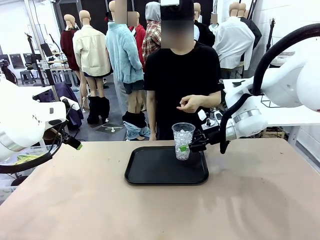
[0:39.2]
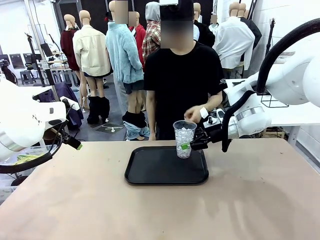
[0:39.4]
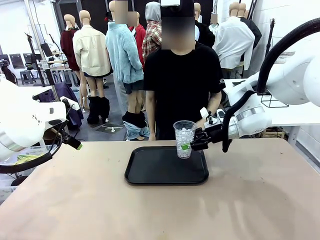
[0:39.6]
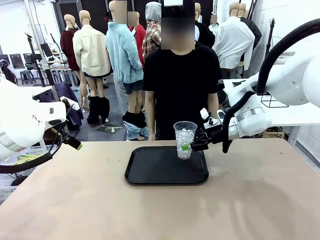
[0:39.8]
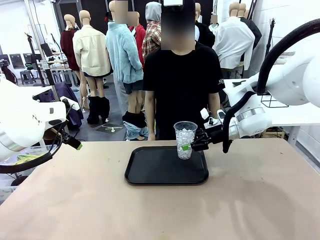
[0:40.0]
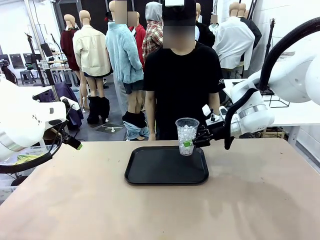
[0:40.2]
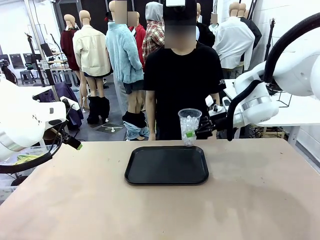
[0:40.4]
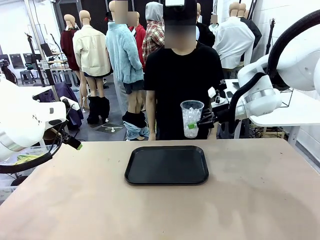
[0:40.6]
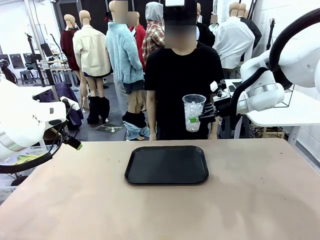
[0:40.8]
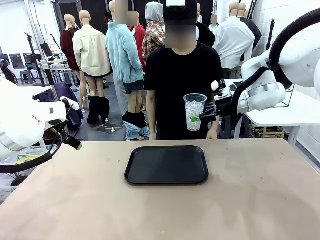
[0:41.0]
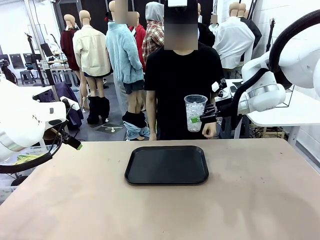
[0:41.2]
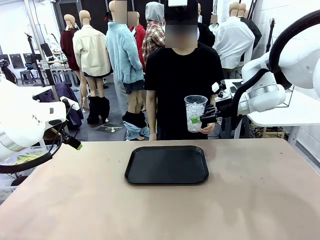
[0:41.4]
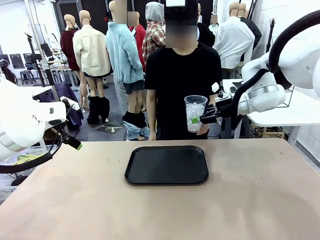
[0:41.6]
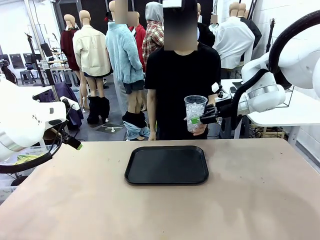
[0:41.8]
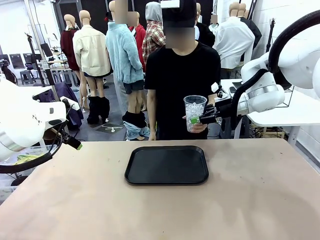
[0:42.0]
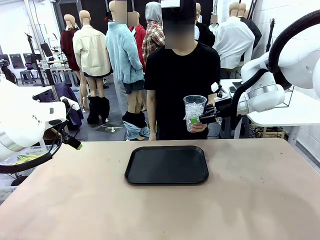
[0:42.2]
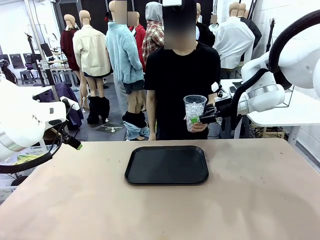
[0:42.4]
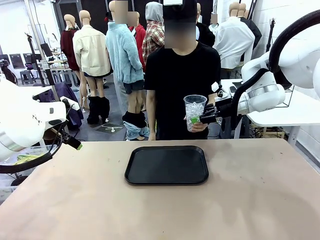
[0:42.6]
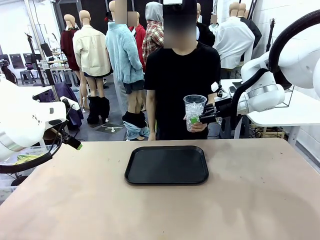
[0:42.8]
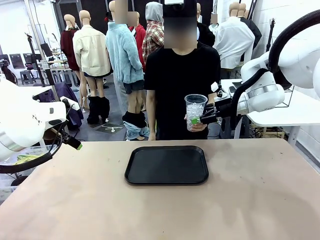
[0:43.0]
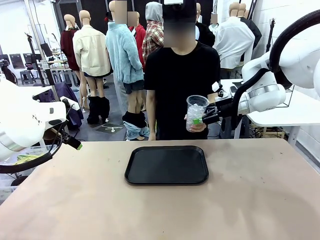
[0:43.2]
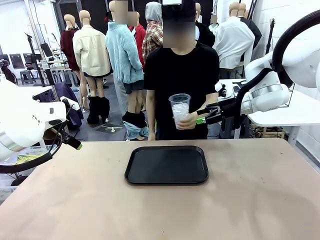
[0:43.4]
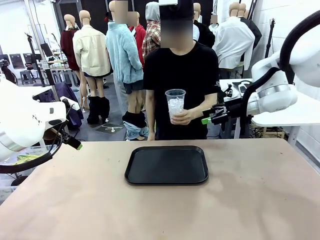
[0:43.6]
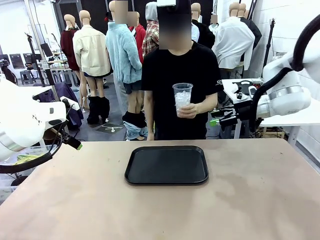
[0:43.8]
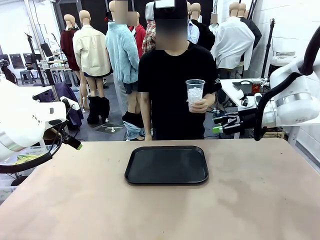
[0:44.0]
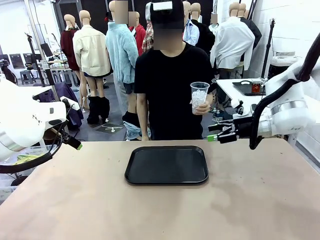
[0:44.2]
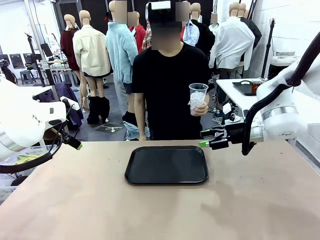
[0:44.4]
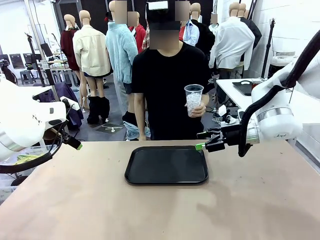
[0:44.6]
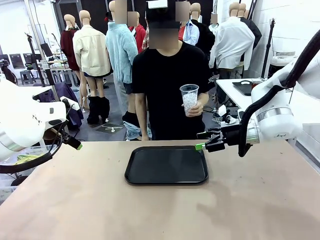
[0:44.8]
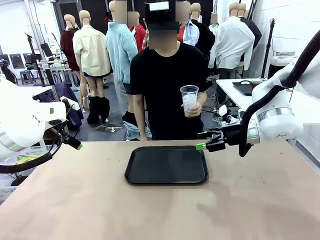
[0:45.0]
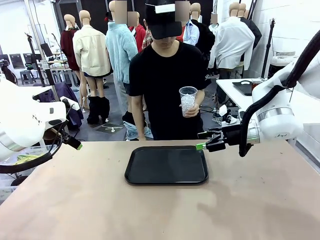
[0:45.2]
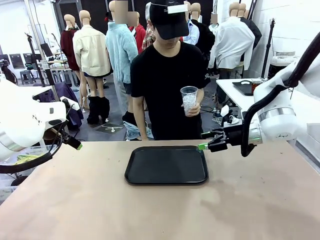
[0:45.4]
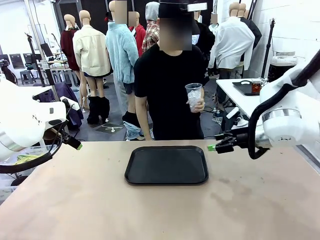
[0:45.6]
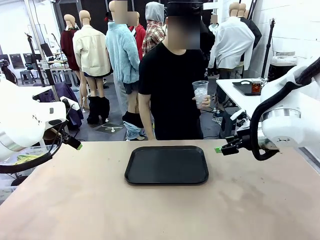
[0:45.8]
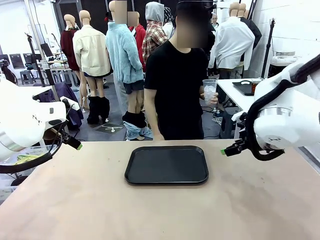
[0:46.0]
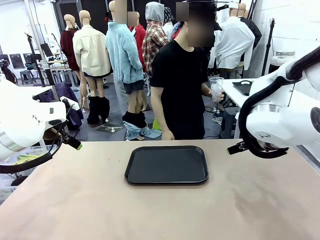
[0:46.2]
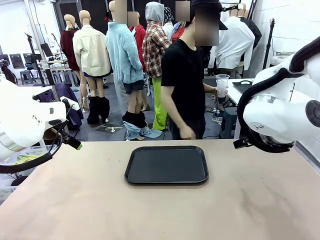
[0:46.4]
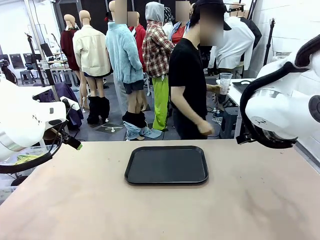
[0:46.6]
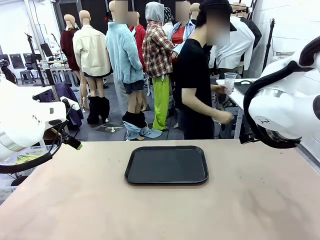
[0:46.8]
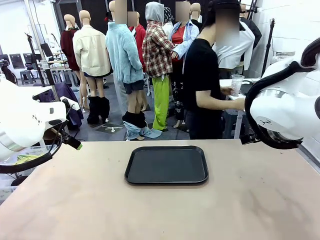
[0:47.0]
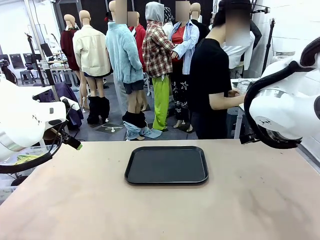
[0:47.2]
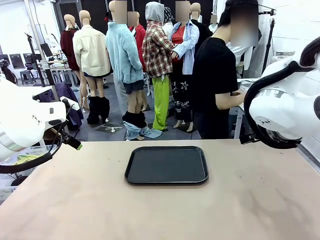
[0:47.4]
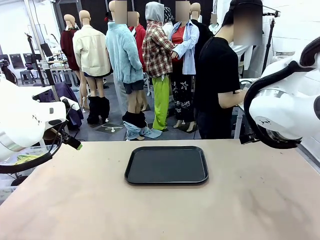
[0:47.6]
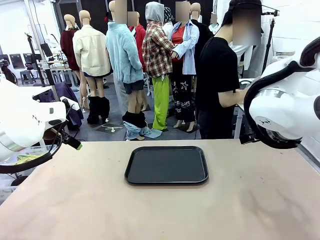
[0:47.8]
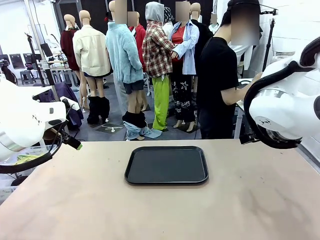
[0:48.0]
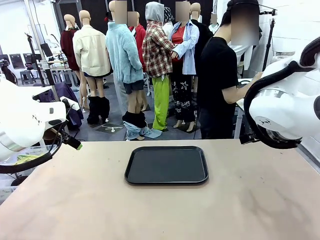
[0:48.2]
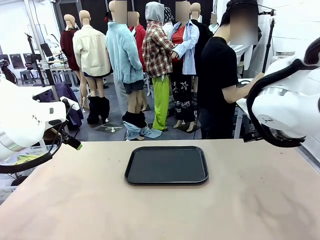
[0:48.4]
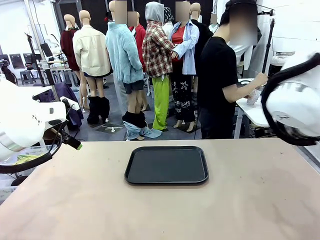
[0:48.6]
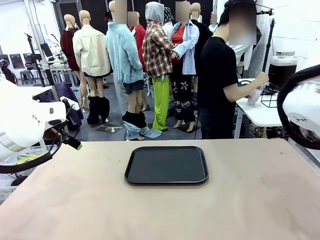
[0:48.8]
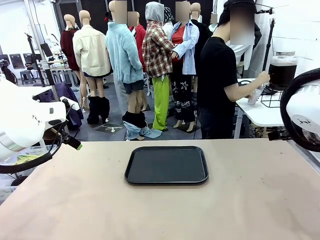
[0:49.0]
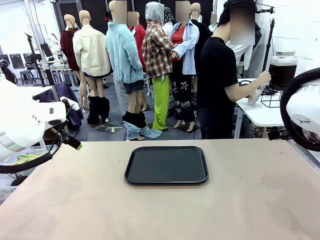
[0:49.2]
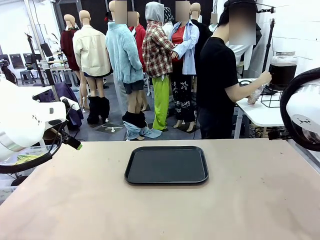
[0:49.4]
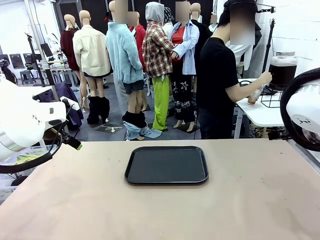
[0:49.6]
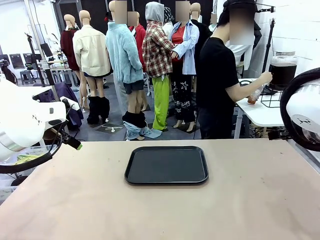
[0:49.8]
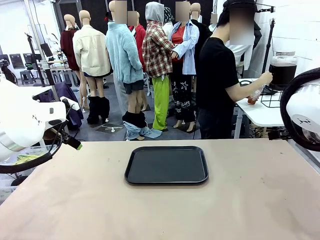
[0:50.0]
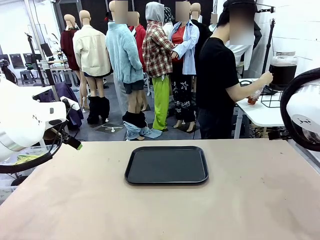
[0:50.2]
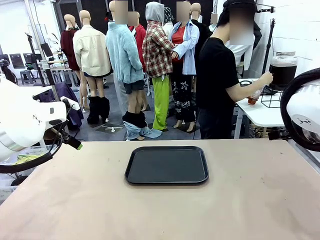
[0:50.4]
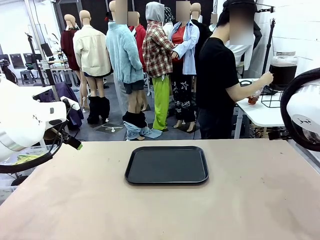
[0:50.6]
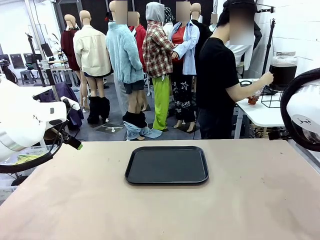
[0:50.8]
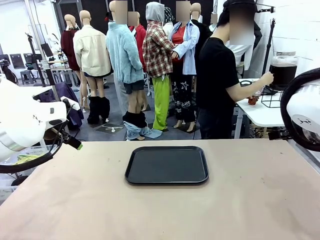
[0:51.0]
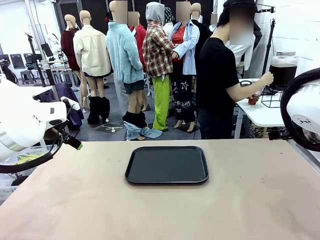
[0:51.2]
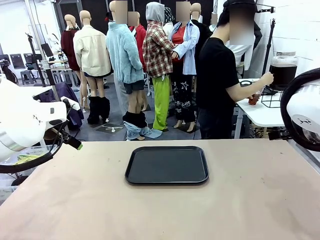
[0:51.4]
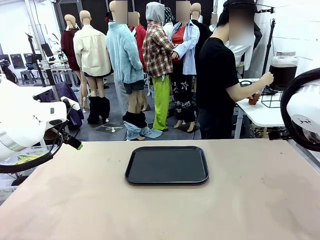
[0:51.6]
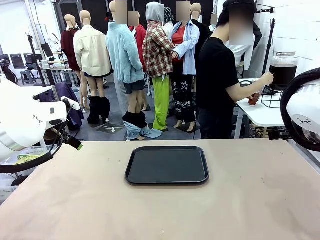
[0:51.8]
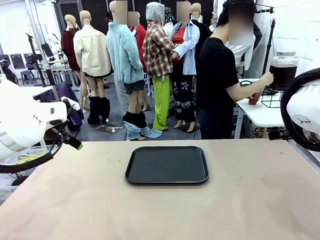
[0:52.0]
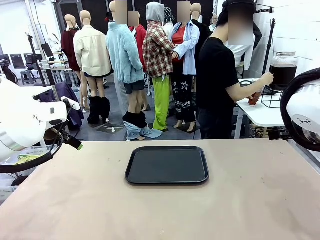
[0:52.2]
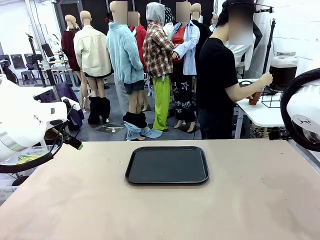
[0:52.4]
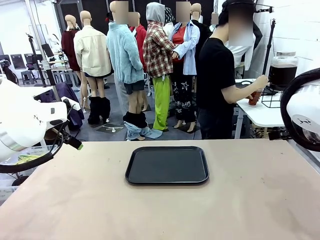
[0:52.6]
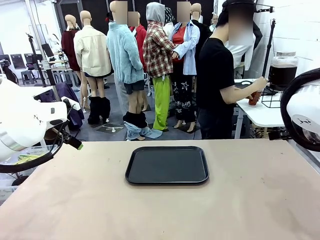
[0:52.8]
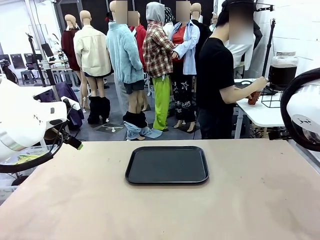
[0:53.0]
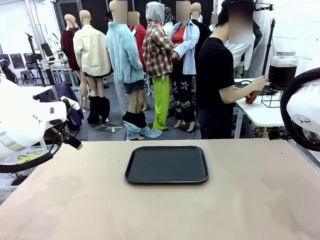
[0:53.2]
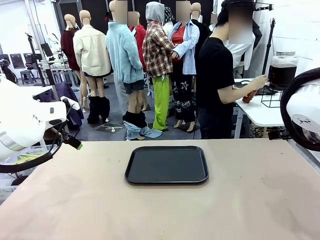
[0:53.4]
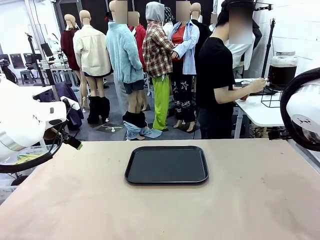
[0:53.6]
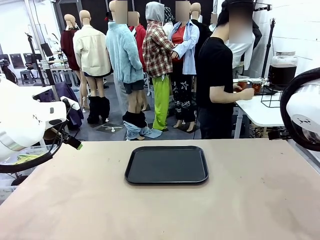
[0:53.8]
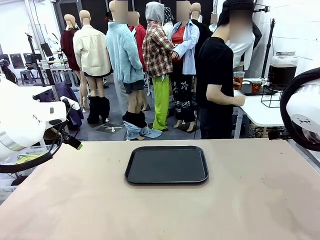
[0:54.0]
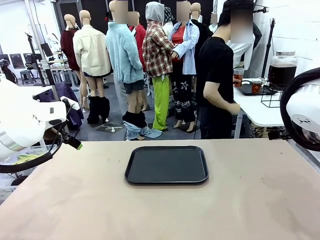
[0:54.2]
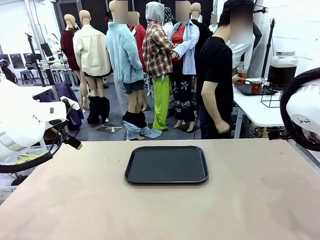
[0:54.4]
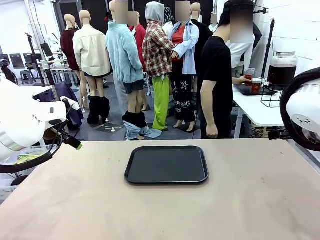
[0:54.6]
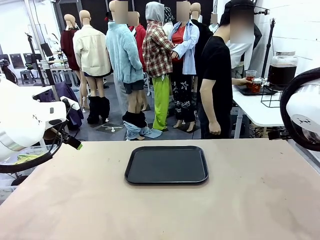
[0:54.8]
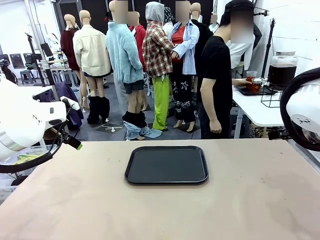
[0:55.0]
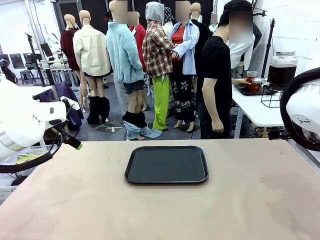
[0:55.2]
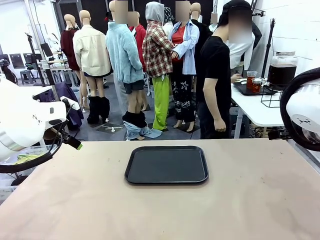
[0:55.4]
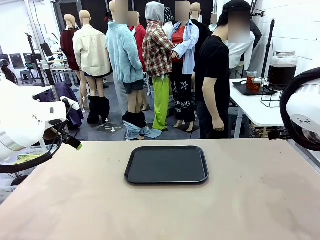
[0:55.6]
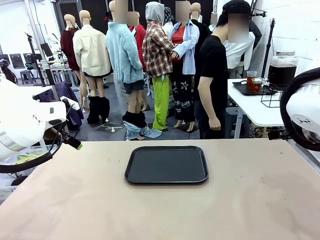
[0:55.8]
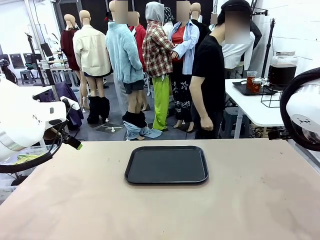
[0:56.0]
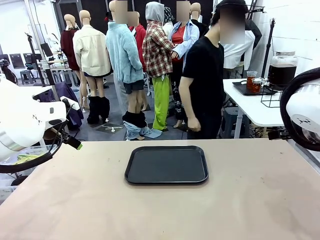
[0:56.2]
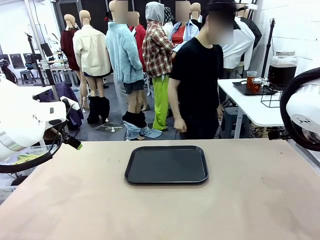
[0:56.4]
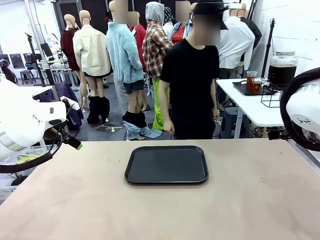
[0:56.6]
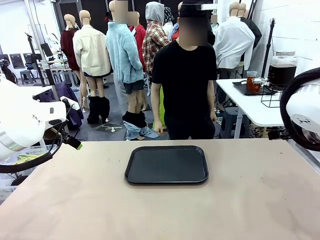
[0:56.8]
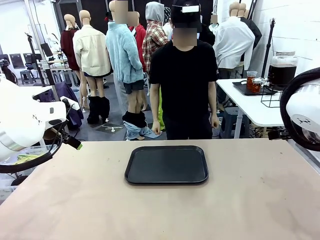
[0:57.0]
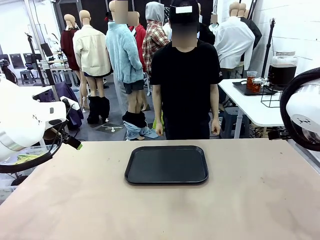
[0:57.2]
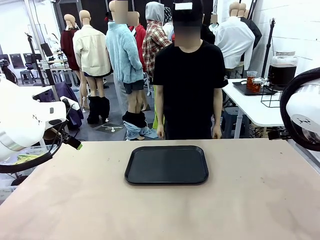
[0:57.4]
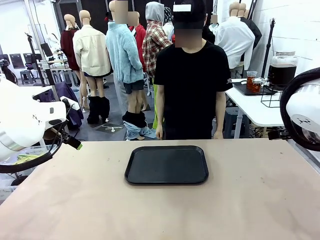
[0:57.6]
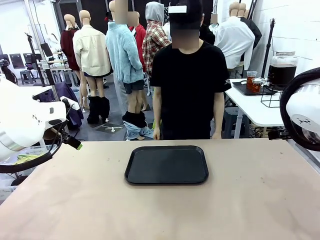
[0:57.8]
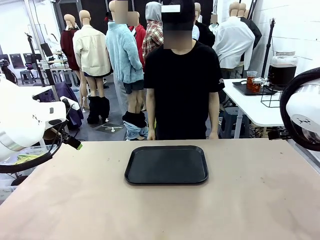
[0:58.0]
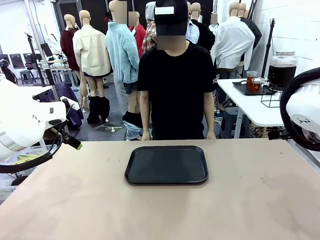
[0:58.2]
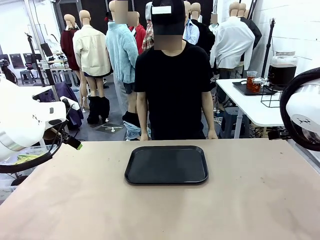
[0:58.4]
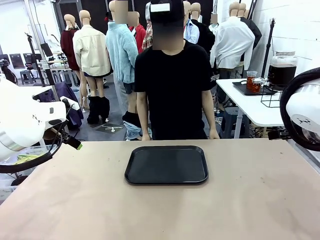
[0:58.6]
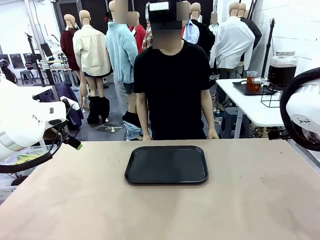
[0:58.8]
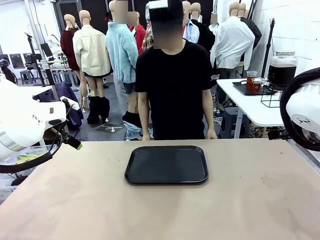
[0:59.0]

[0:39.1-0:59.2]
Task: Pour the drink into the iced cup.
Robot: Open the gripper to release the iced cup you were holding.
Person: Move the picked-up cup under the dispenser faucet, pour the drink, and place it on the tray on the human table.
